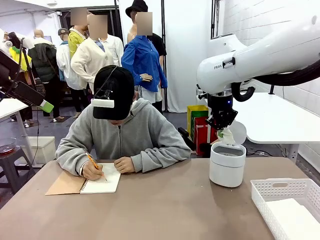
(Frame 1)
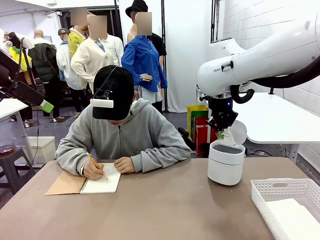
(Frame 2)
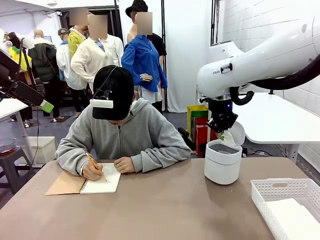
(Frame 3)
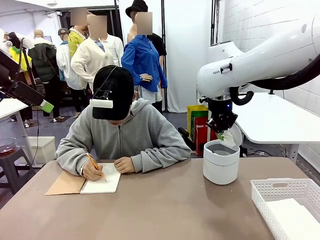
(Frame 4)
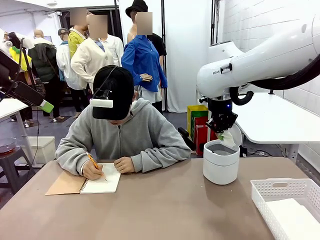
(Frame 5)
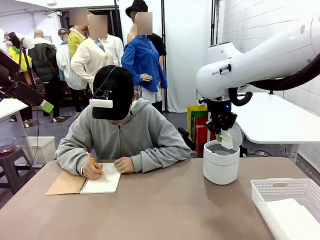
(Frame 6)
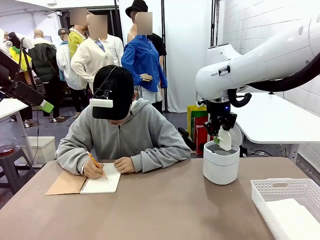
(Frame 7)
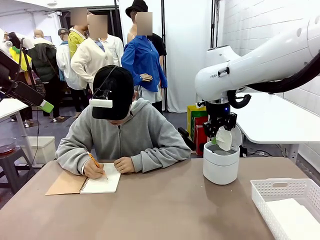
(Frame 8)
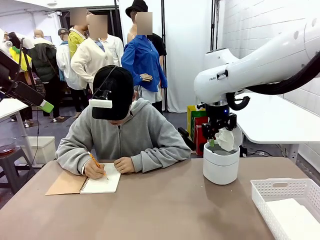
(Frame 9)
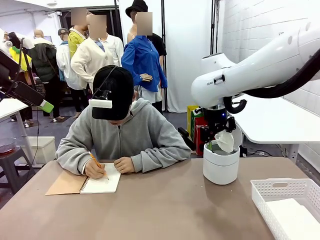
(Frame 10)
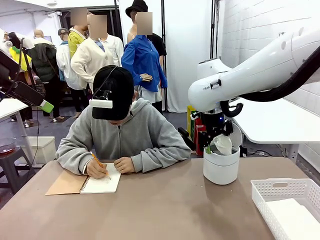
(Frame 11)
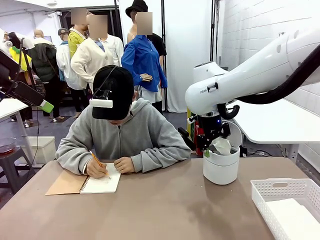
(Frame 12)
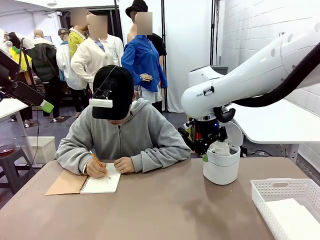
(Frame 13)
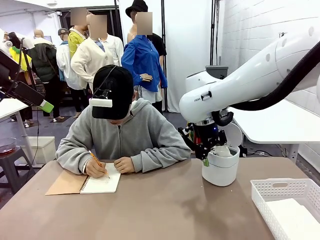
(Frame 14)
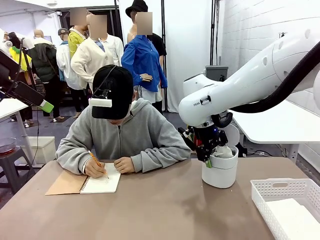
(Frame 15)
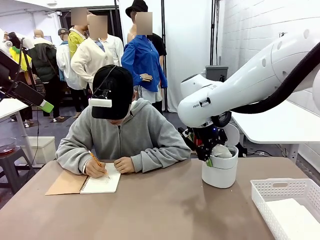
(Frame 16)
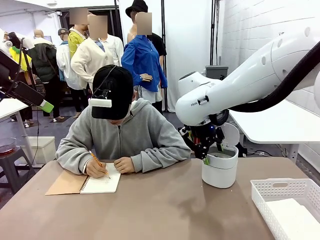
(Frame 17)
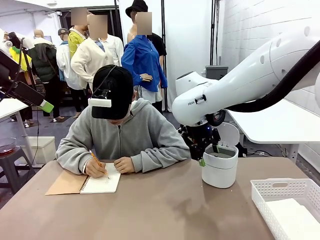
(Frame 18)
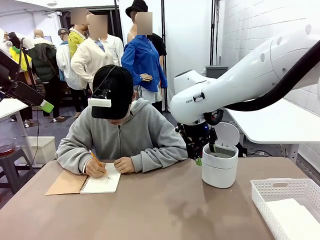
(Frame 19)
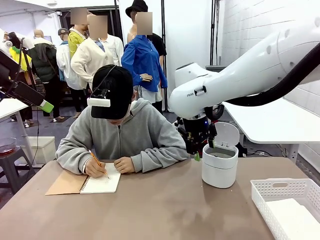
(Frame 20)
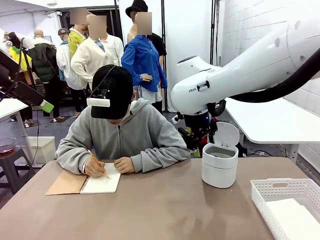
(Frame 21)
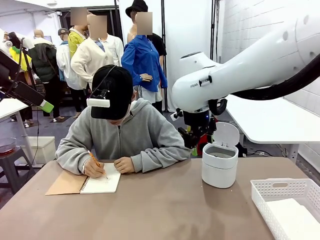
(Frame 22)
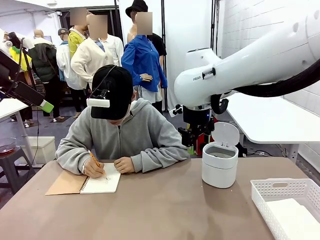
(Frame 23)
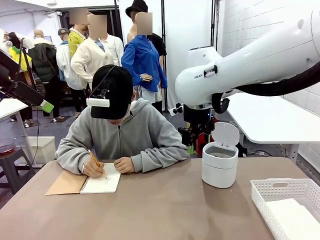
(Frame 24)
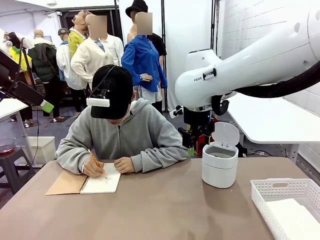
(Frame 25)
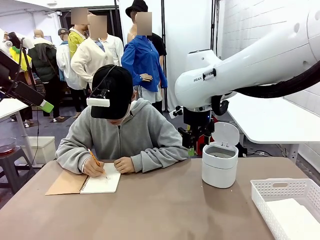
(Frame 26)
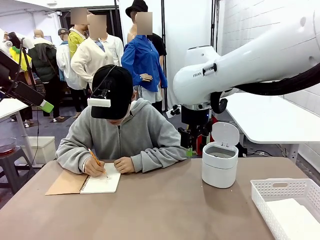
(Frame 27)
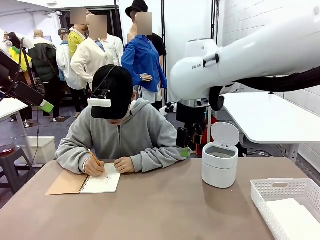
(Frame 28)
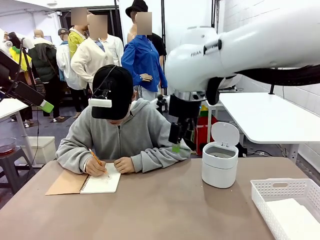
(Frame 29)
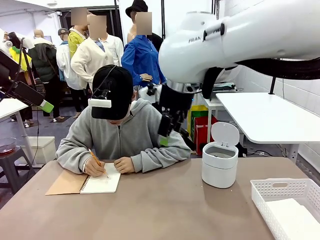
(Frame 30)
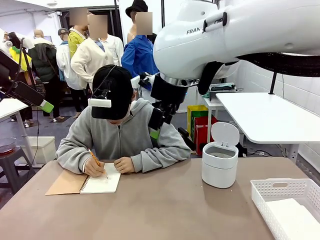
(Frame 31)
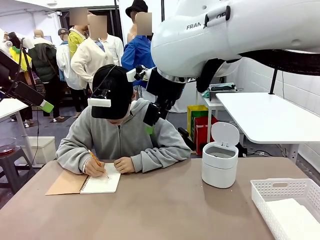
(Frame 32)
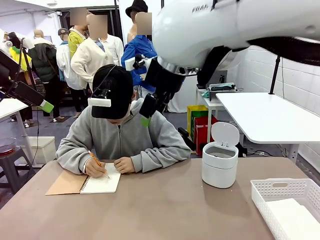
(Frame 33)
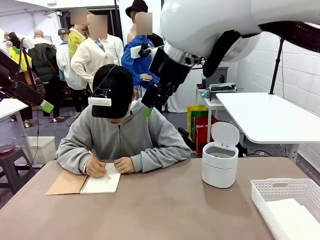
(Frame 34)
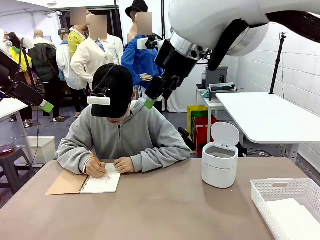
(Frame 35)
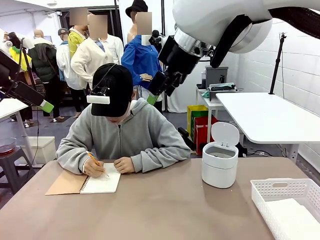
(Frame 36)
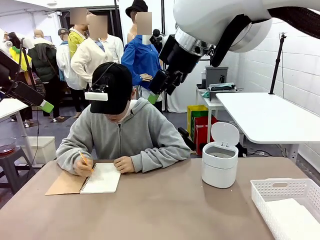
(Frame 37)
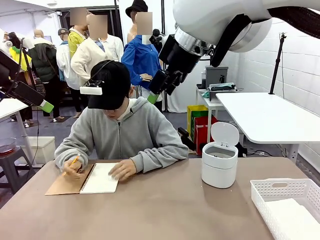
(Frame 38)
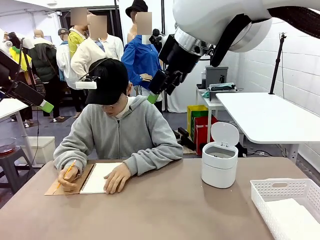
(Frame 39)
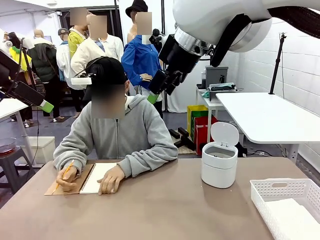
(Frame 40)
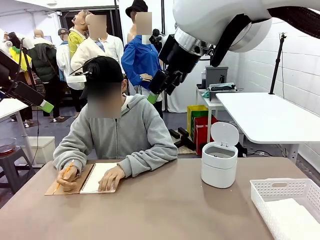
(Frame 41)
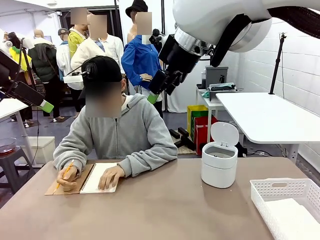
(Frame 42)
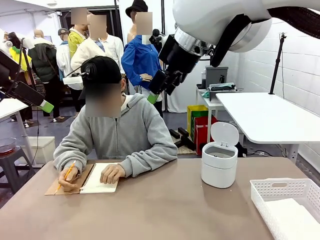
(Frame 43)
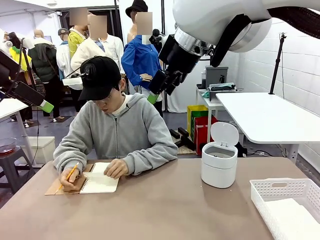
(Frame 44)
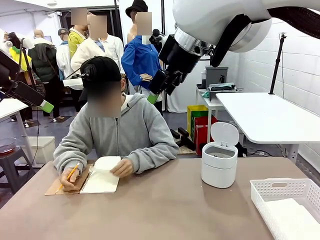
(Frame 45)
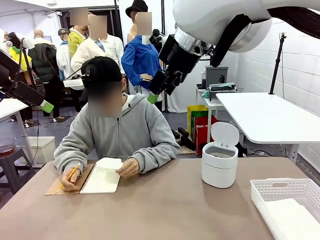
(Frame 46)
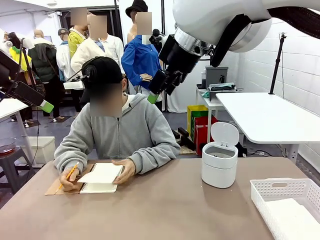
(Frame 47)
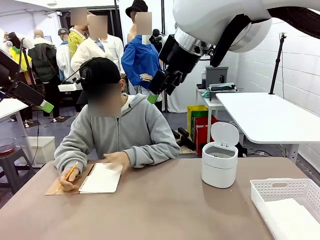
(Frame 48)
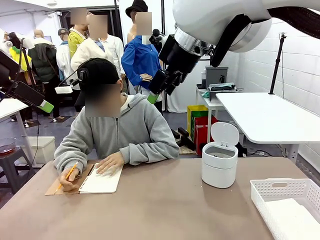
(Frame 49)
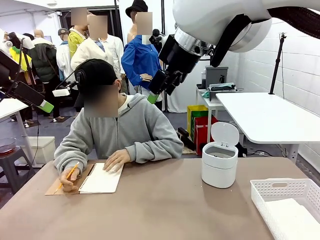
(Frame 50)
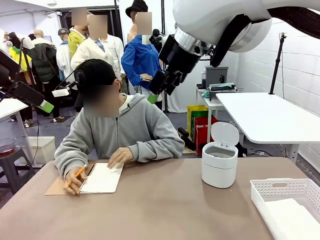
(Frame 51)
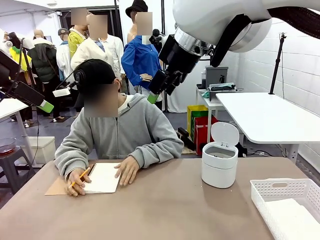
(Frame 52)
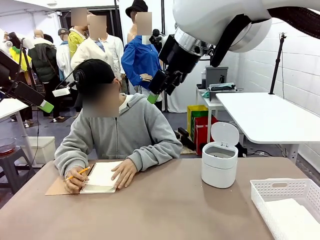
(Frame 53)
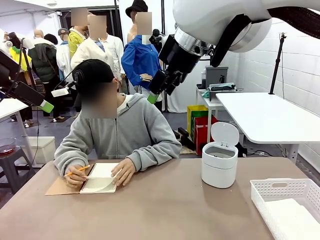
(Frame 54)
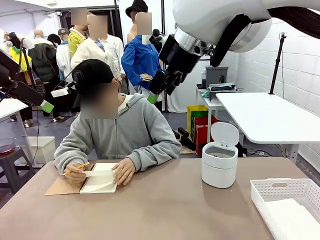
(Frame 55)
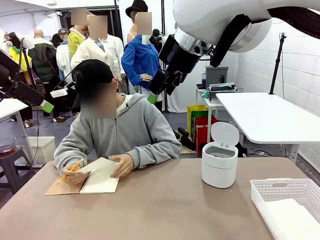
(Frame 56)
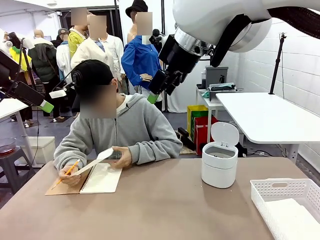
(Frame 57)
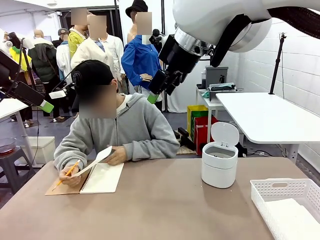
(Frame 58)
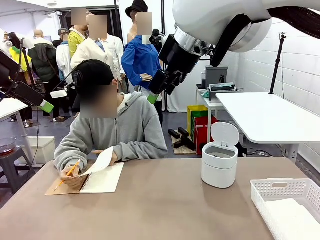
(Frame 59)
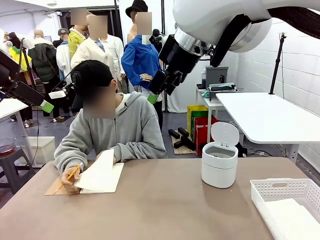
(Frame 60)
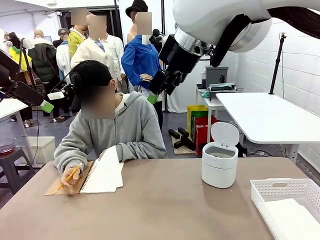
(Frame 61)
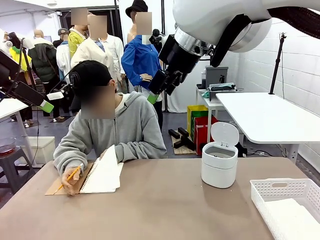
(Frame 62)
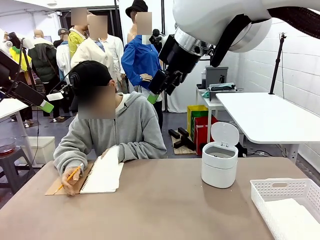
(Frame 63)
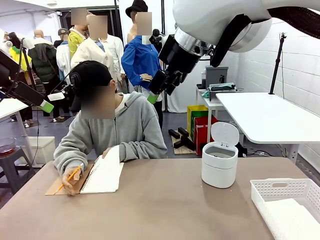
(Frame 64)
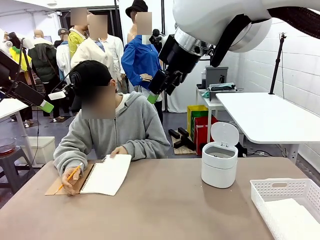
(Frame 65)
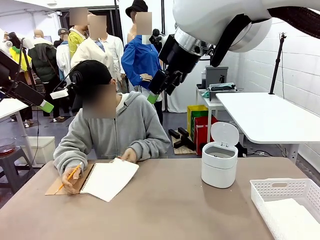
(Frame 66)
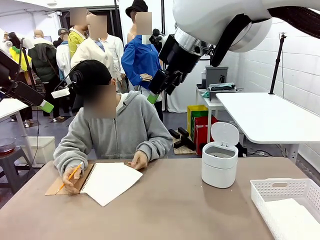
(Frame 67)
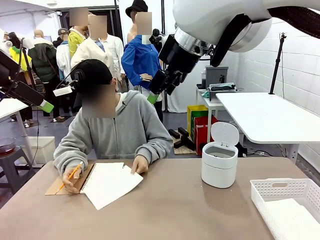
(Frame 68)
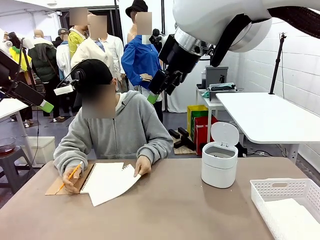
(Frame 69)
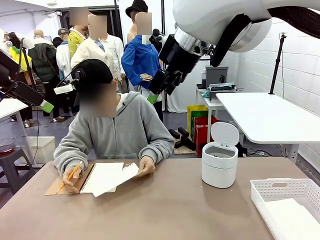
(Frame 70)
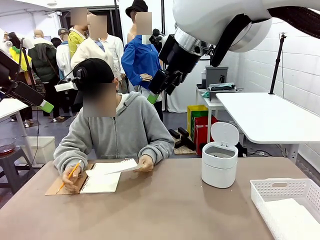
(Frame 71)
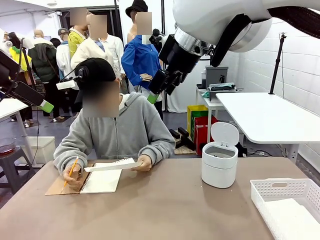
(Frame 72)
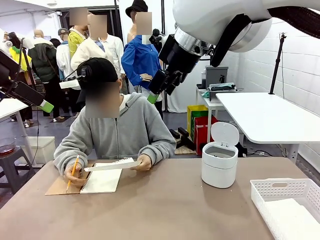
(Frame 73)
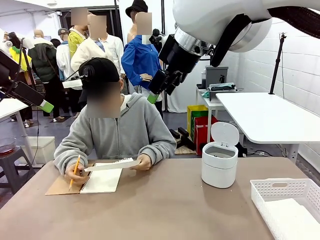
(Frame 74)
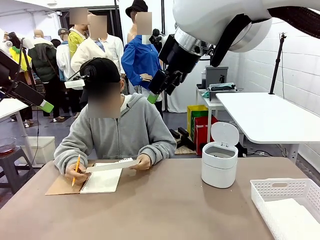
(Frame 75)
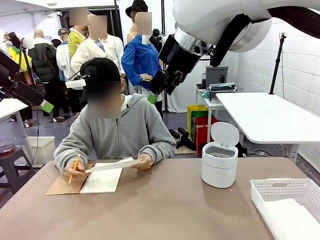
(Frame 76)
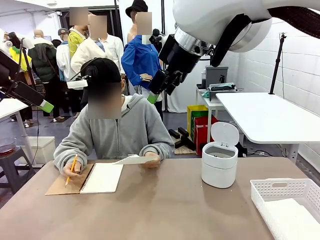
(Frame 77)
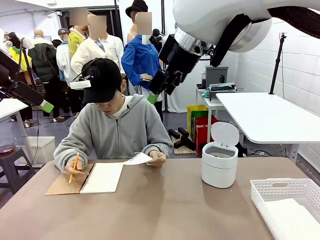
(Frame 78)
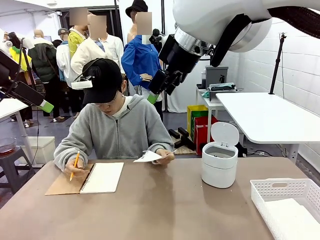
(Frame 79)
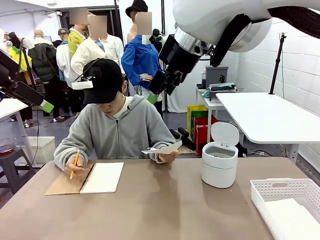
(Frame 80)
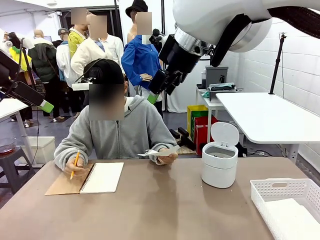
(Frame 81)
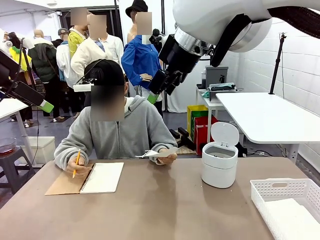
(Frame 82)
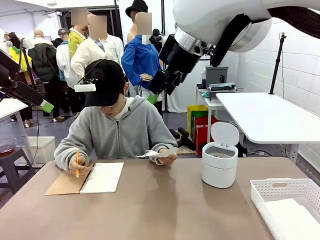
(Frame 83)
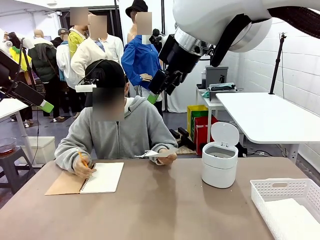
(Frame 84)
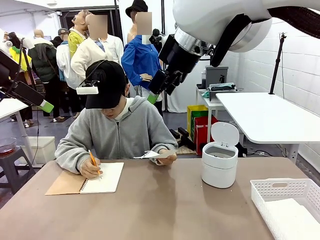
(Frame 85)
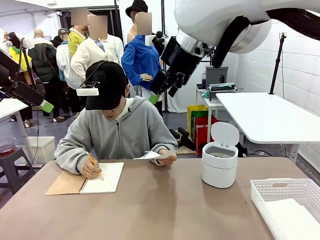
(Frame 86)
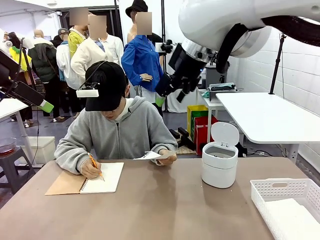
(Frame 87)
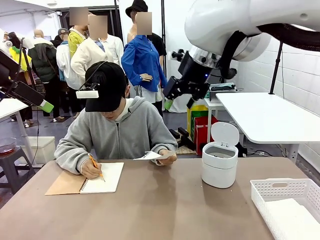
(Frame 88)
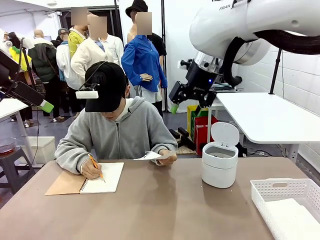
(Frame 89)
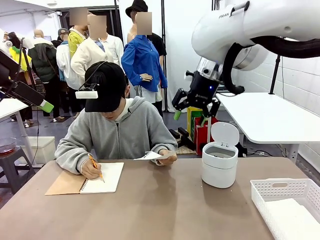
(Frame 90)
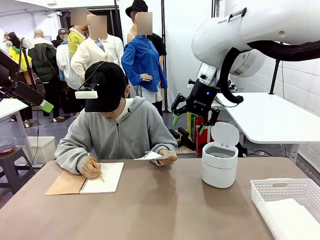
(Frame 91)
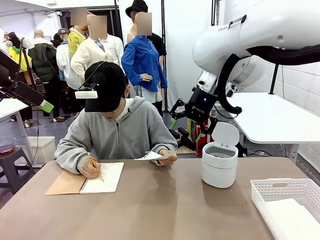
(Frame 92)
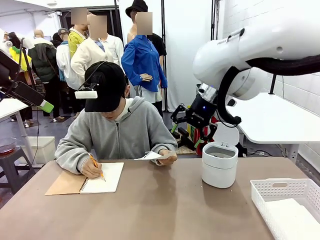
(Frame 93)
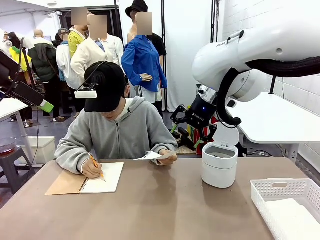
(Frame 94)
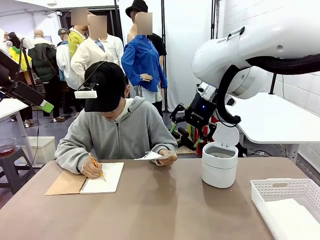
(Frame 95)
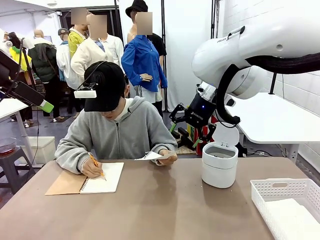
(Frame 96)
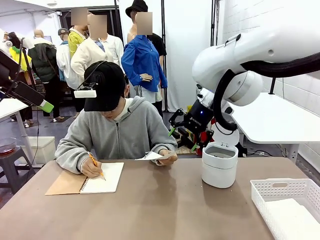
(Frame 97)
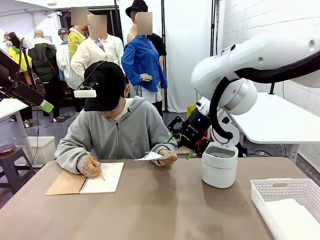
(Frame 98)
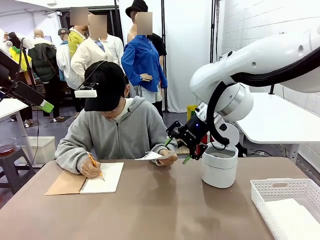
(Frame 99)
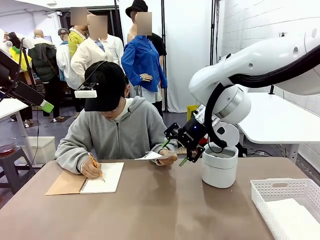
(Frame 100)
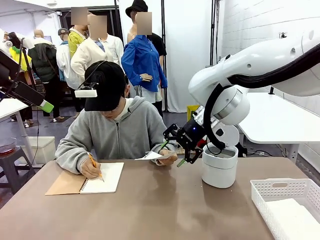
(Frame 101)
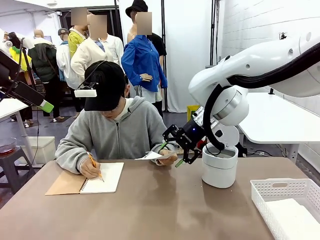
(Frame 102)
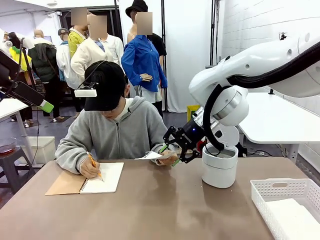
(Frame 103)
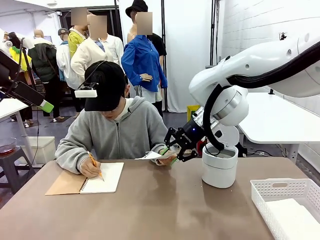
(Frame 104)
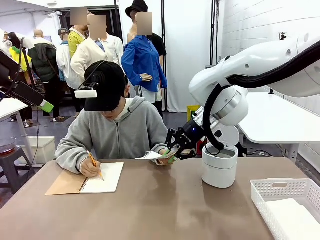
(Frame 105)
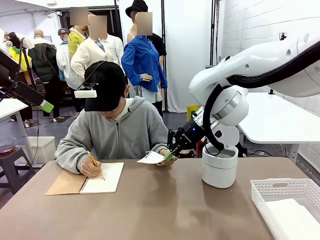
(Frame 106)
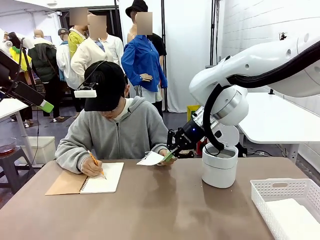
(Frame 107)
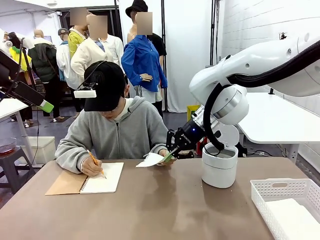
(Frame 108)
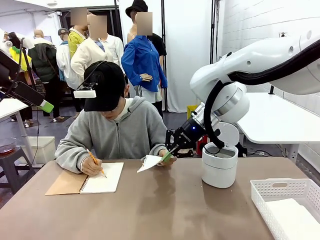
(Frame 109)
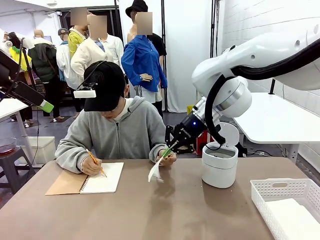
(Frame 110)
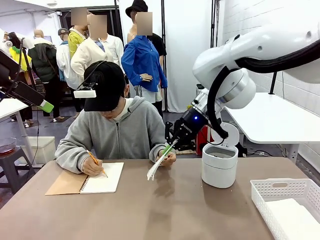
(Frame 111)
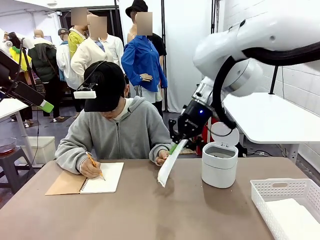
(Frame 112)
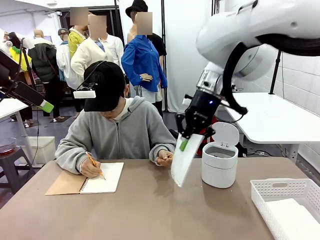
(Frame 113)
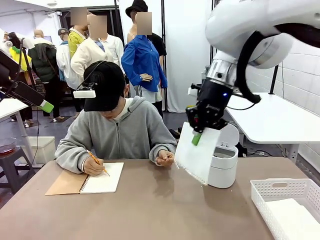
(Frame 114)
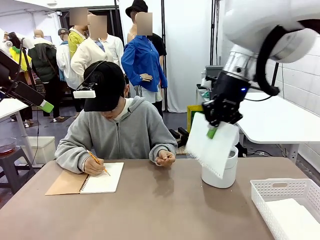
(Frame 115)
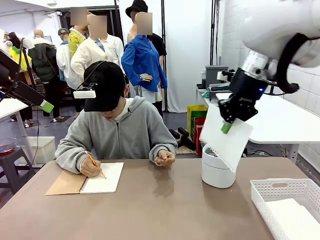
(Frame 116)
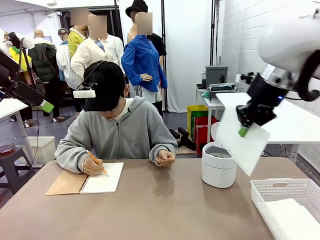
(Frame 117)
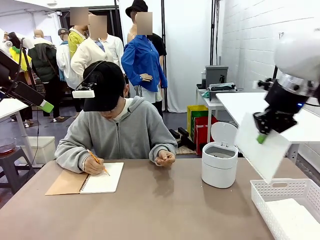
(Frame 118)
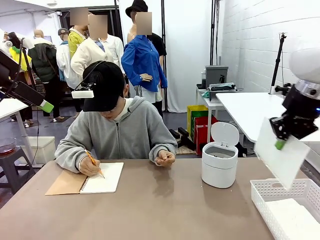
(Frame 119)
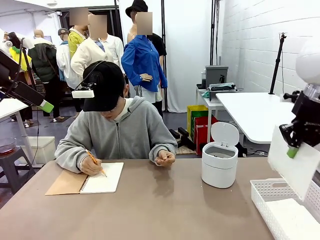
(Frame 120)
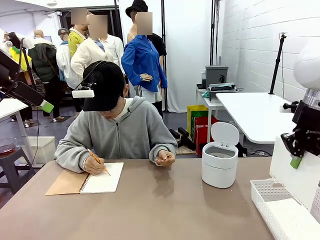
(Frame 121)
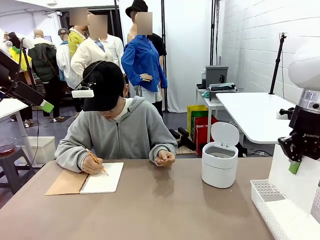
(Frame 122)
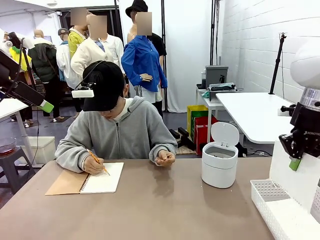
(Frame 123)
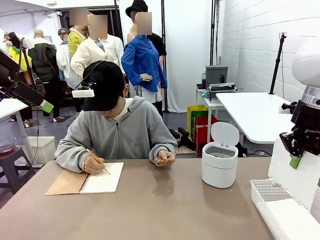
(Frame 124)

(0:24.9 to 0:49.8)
Task: Sort the paper based on its condition.
Robot: If a person hands you a paper, place it in the Organizing basket , and if it's crumpled, put it in the Trash can.
Person: Tear out a page from the spiral notebook. Hand the torn page to the robot or crumple it and throw it to the center of the table. Tear out a page from the spiral notebook.
